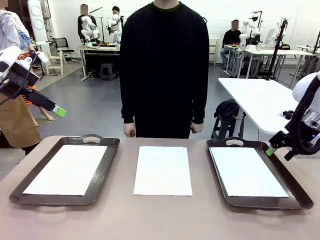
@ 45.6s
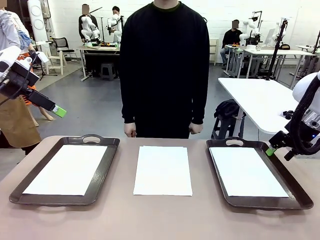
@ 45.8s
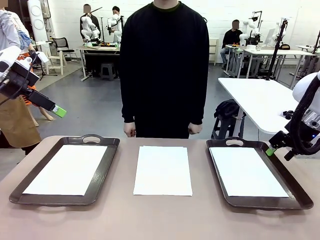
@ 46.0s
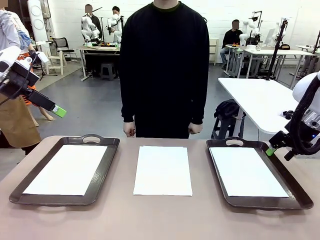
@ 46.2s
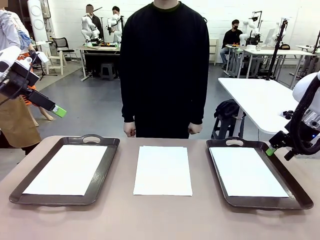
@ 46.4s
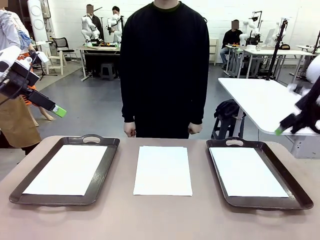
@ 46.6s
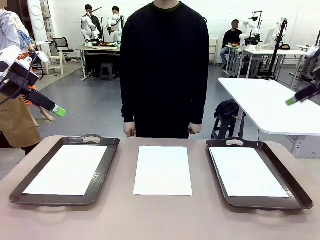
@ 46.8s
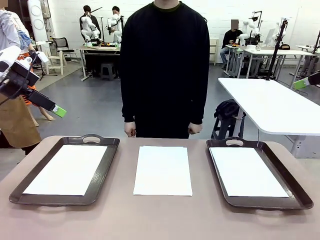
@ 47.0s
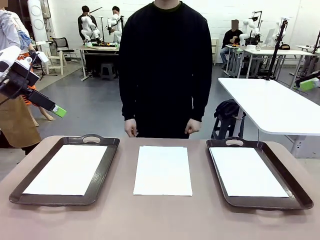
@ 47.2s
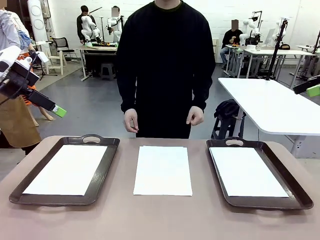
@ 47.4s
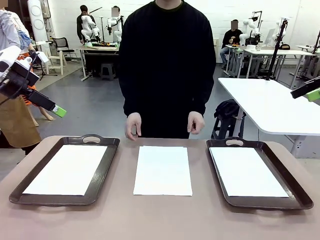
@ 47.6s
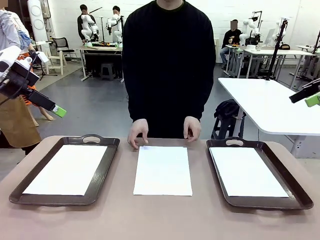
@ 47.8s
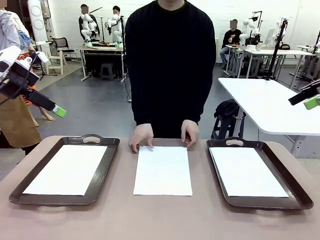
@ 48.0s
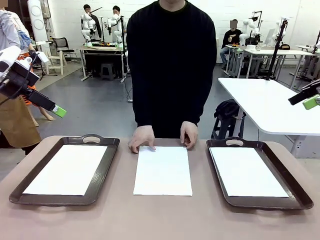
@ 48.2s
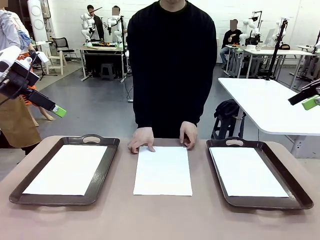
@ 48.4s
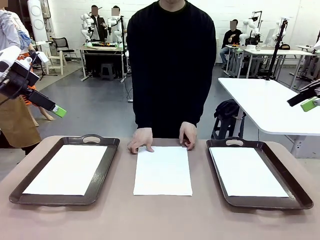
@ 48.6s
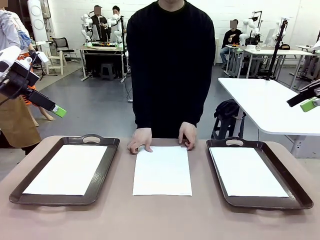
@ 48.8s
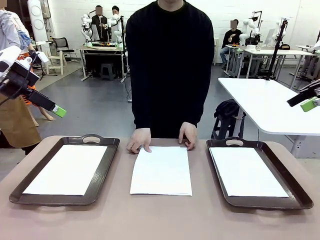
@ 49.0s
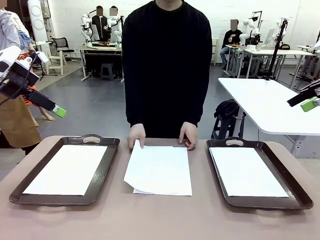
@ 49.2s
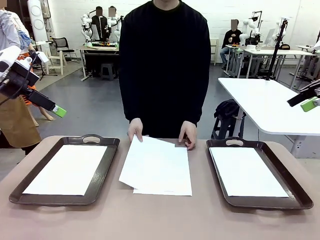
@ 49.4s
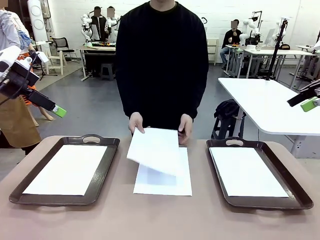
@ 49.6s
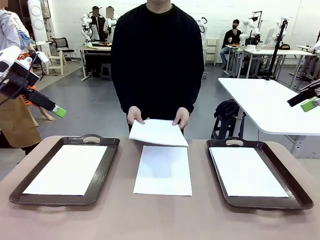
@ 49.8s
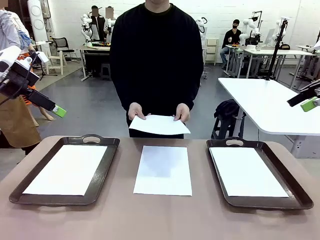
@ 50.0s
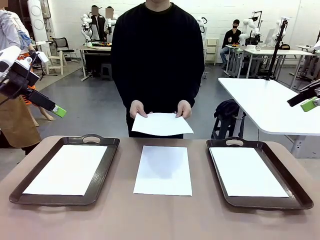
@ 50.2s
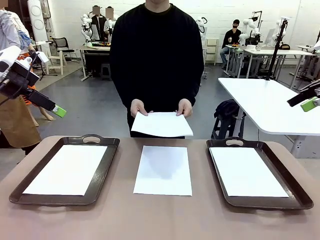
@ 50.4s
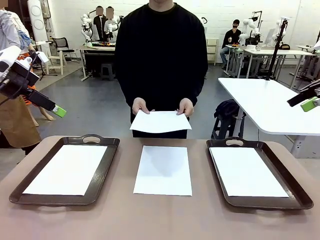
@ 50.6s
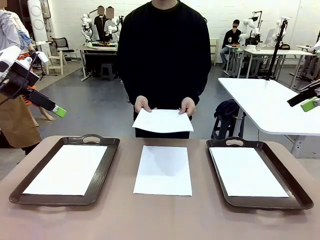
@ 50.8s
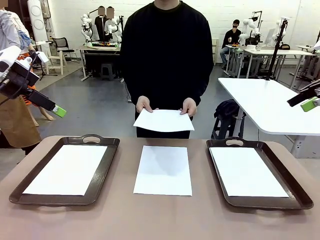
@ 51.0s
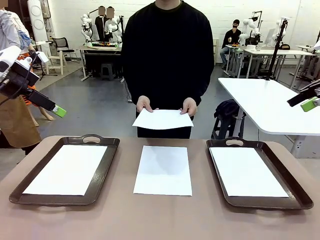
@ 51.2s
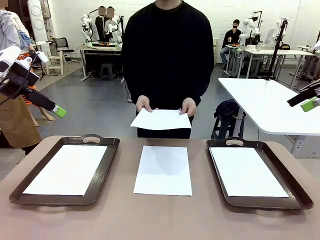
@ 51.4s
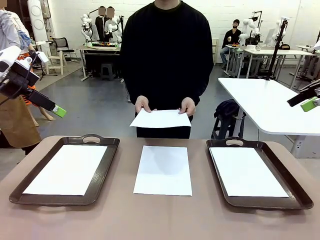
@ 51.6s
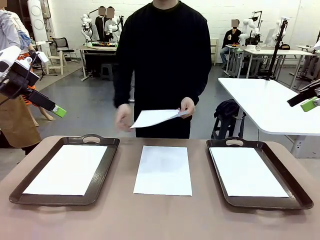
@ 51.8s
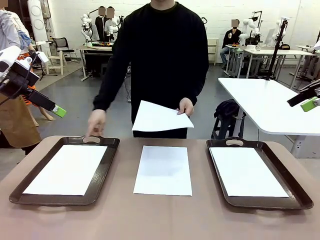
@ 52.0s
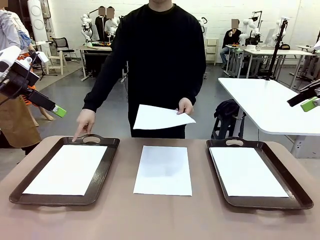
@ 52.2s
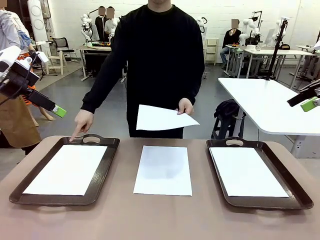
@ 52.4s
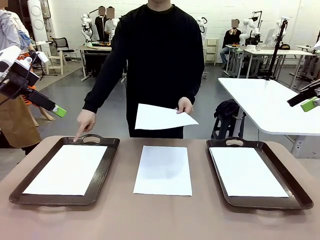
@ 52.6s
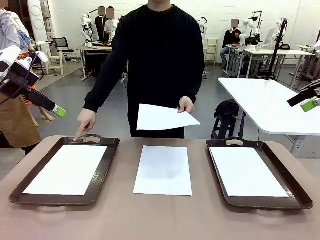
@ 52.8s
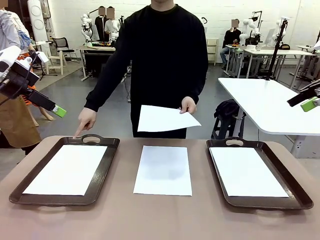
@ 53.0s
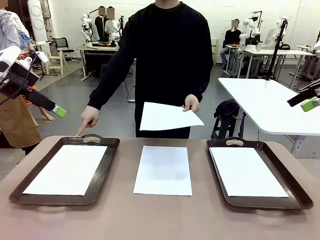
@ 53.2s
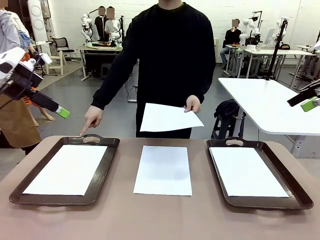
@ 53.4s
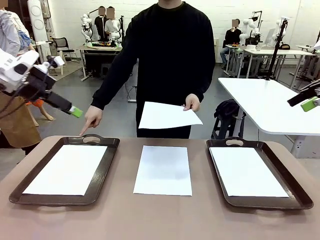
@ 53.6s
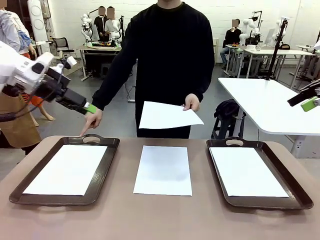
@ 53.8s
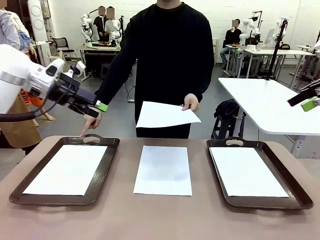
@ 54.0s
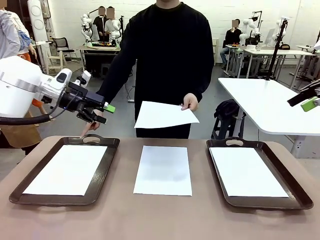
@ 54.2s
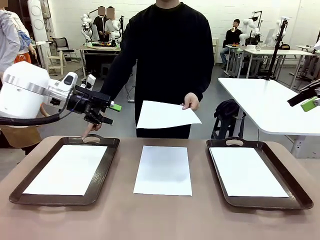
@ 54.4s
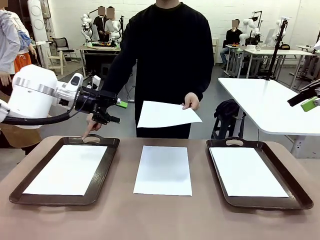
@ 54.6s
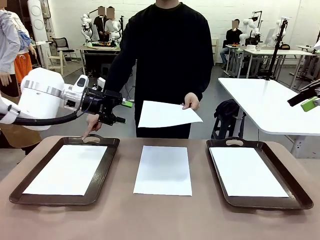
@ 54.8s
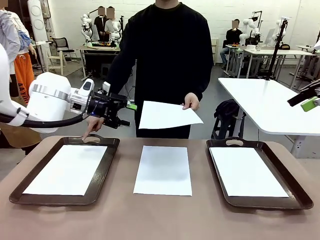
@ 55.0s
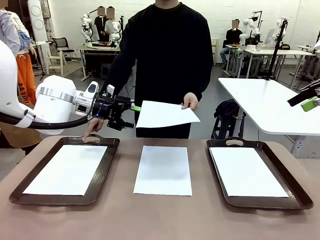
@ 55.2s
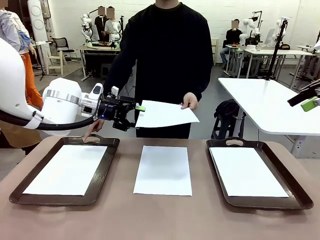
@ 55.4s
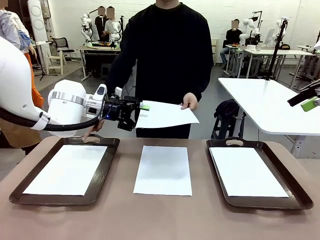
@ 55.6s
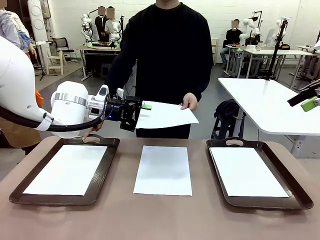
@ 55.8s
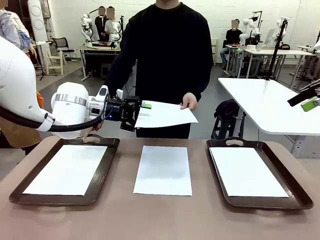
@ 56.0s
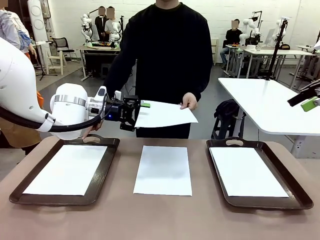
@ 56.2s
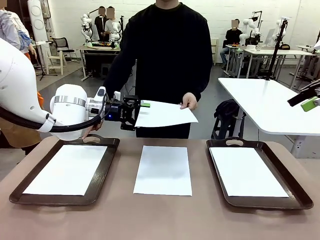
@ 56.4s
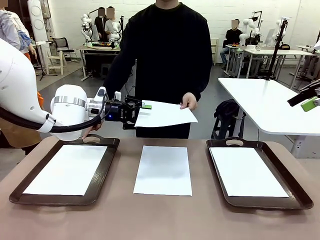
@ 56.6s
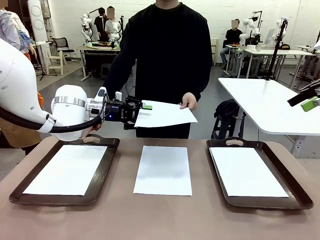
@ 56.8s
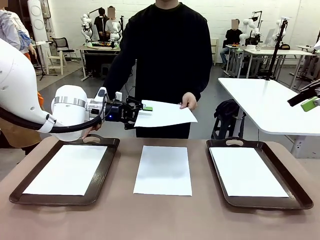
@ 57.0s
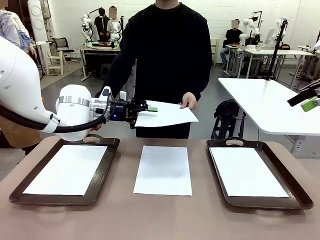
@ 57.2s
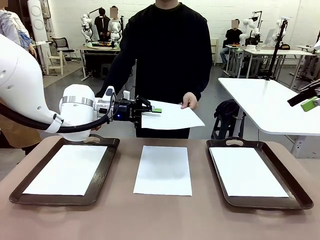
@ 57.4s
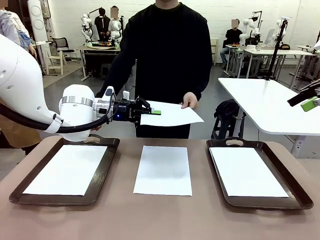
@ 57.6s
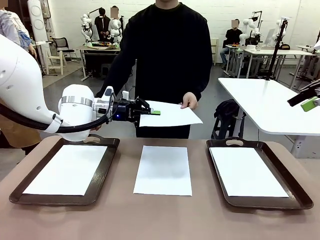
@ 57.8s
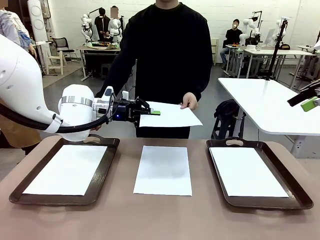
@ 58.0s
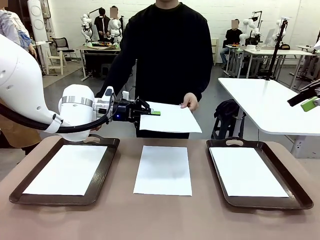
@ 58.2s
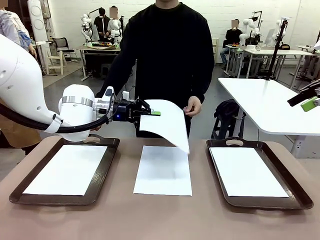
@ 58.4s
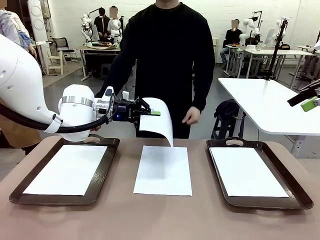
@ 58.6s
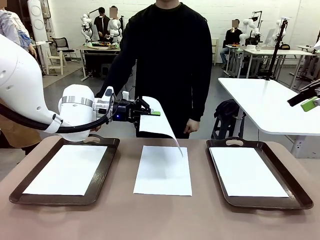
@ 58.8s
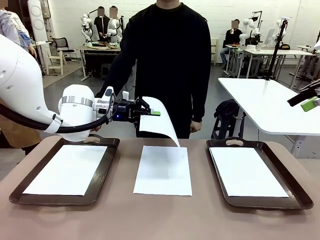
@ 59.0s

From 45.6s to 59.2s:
Task: Sort the A4 documents.
Robot: Receive the A4 Paper.
Person: Point the randomly selected tray with the other hand.

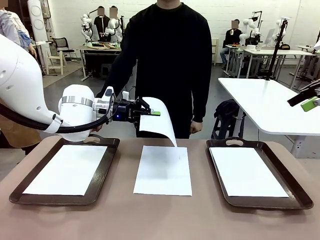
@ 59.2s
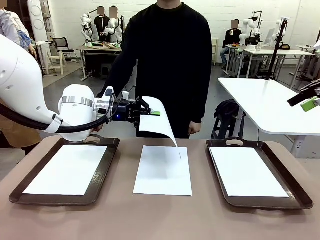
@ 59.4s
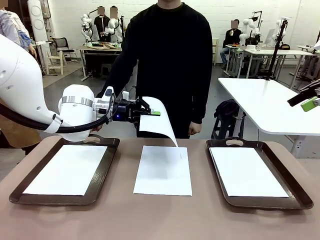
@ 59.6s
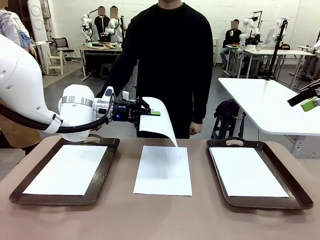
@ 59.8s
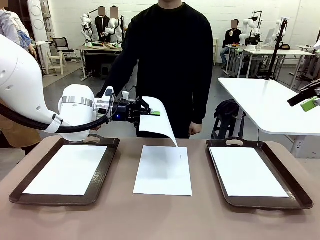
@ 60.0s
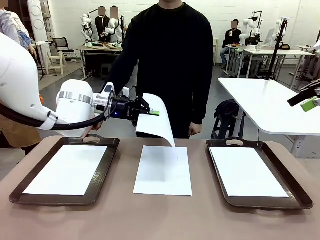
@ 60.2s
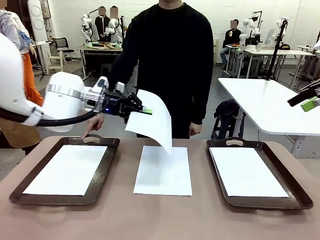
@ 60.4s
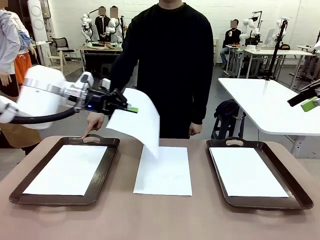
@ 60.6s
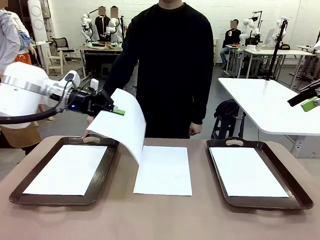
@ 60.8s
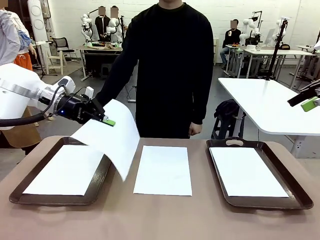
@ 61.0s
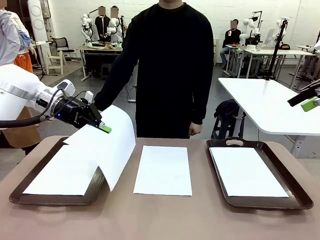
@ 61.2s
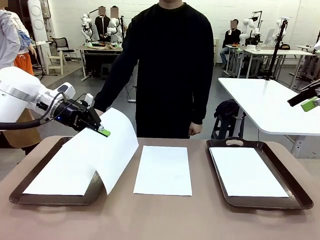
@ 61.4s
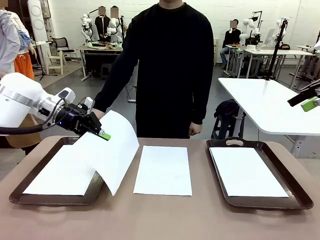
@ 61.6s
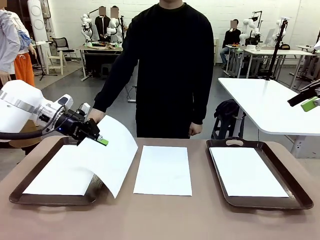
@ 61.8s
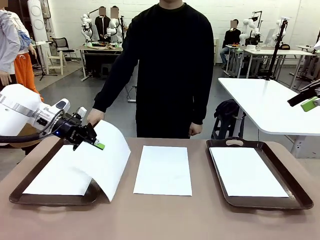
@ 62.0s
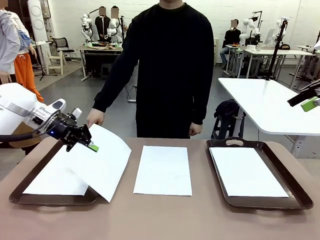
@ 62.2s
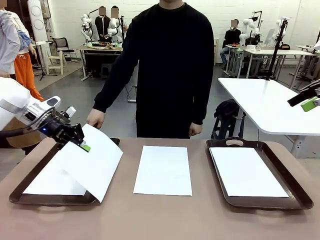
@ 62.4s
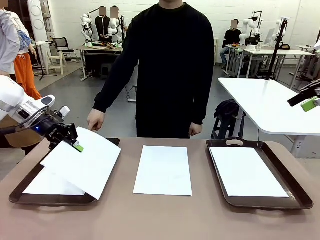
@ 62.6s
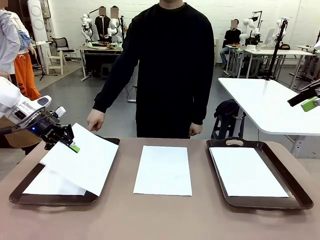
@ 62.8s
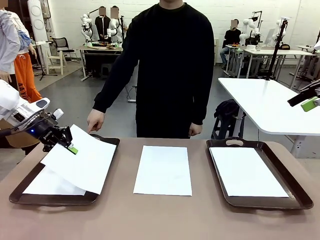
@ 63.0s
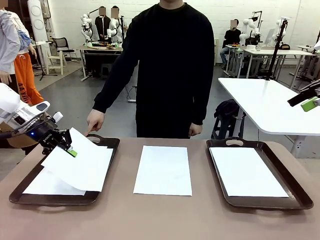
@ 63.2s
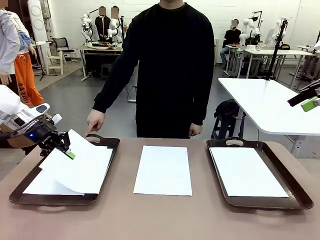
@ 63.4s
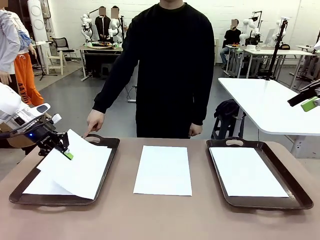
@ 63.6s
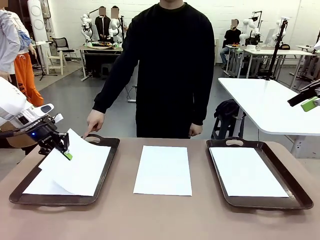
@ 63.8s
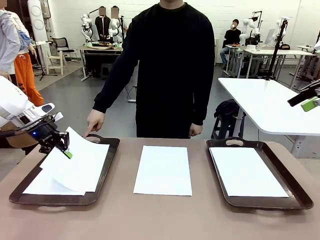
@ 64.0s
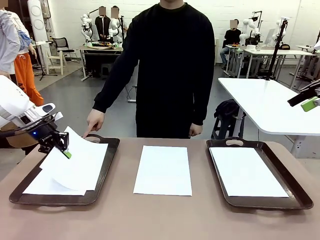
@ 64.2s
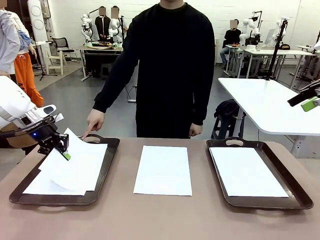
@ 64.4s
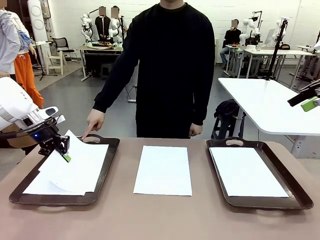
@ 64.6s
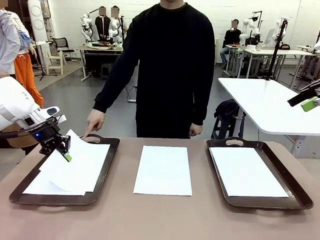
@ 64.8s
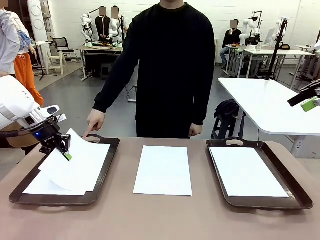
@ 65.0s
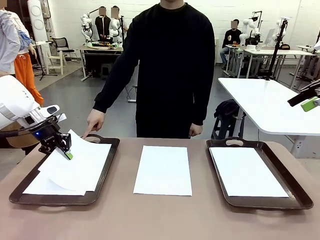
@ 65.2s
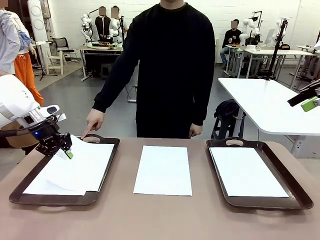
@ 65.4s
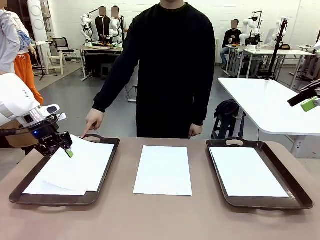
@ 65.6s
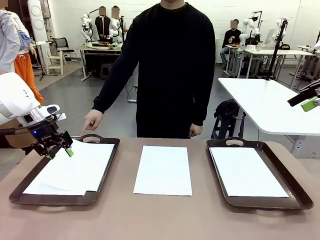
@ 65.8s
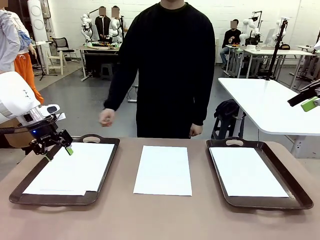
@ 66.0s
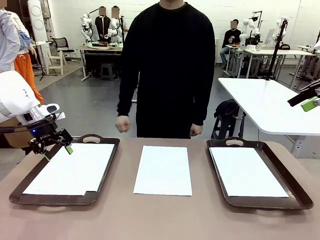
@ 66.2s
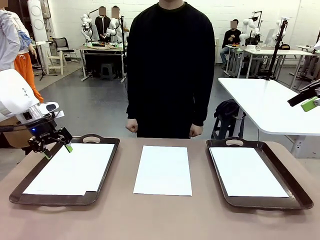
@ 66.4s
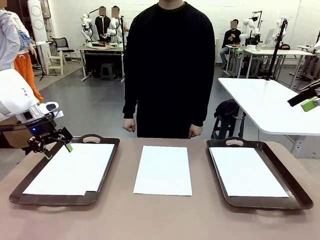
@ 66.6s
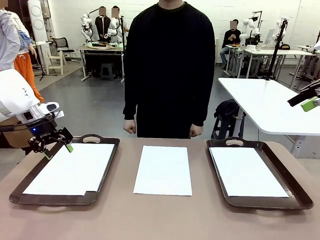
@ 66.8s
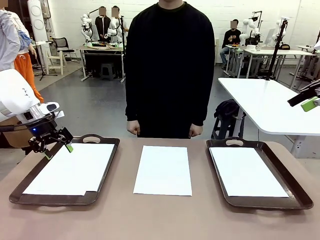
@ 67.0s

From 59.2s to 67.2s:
Robot: Place the A4 Paper in the designated Handle tray.
